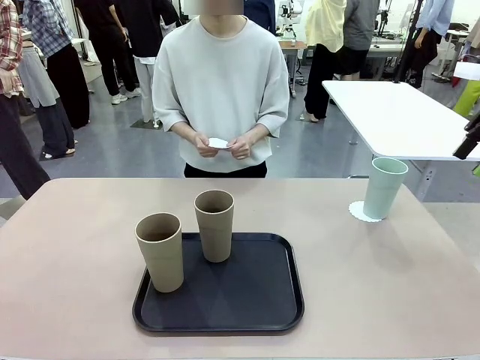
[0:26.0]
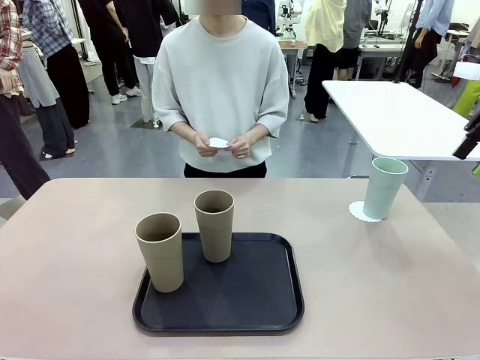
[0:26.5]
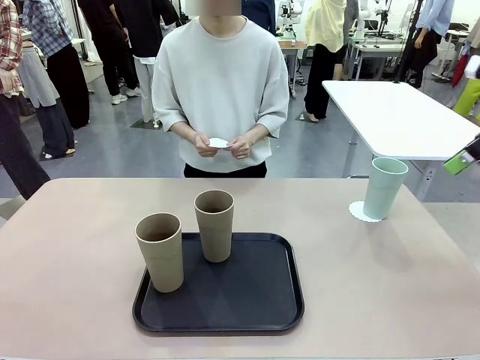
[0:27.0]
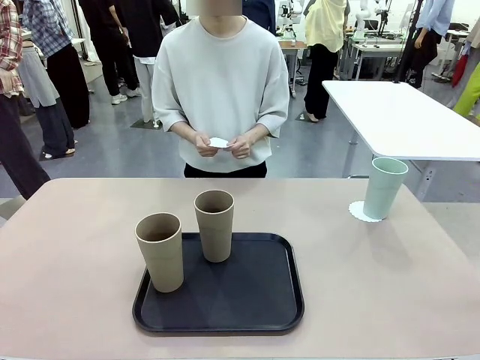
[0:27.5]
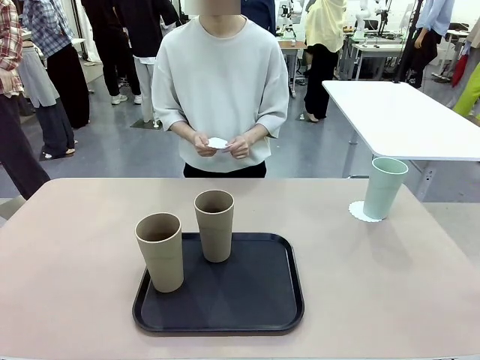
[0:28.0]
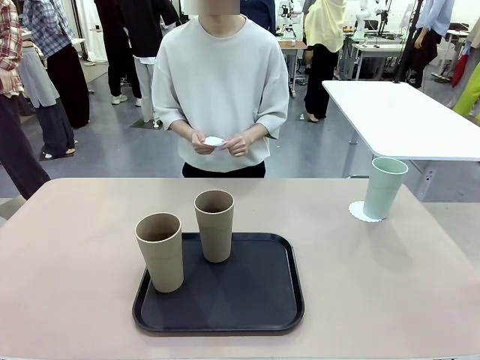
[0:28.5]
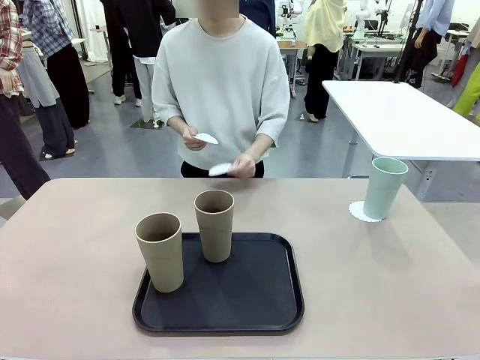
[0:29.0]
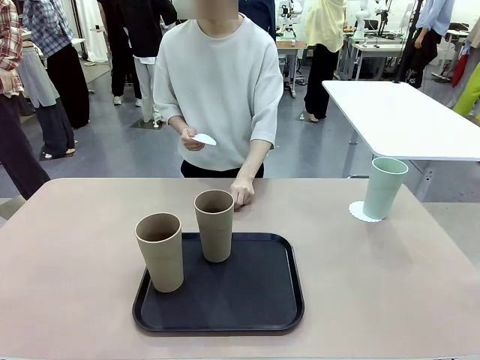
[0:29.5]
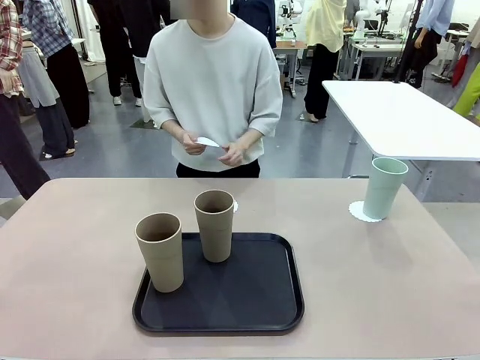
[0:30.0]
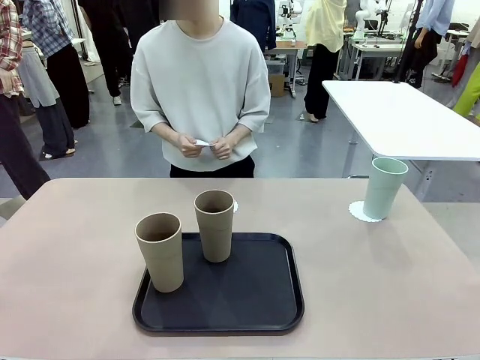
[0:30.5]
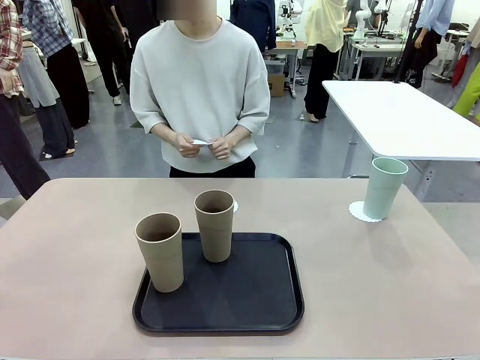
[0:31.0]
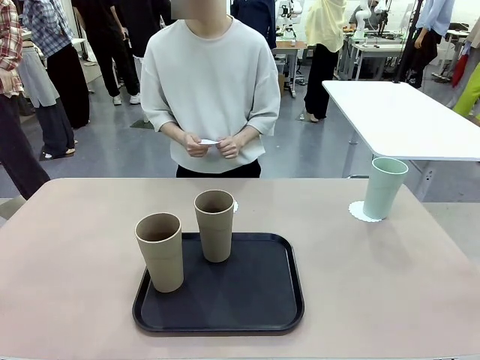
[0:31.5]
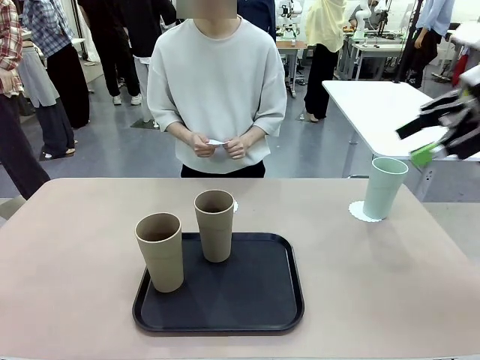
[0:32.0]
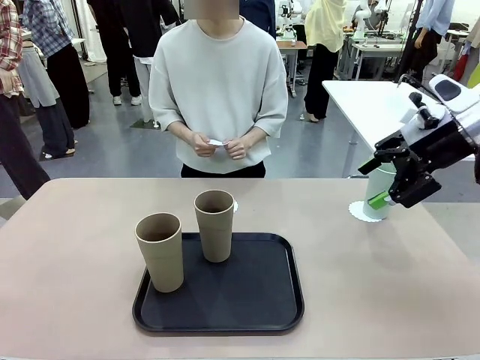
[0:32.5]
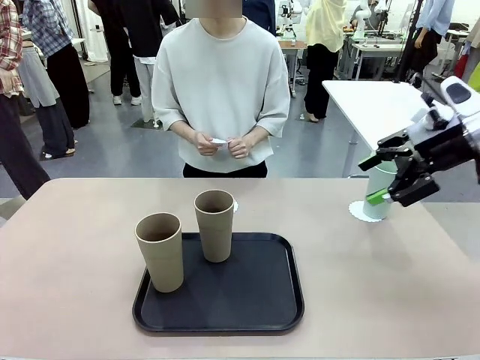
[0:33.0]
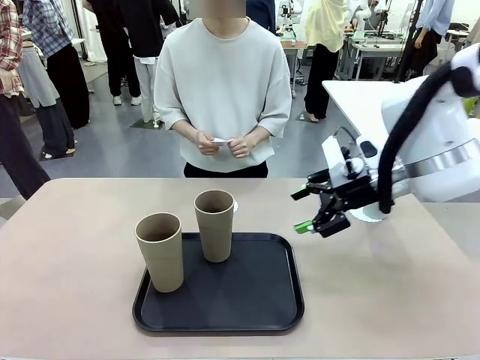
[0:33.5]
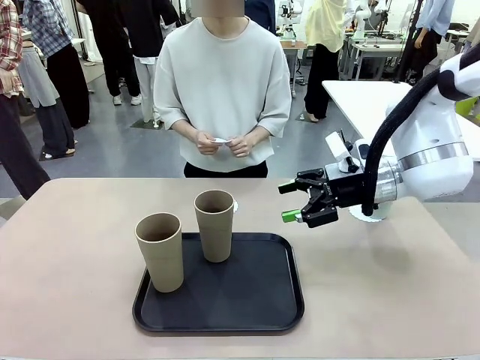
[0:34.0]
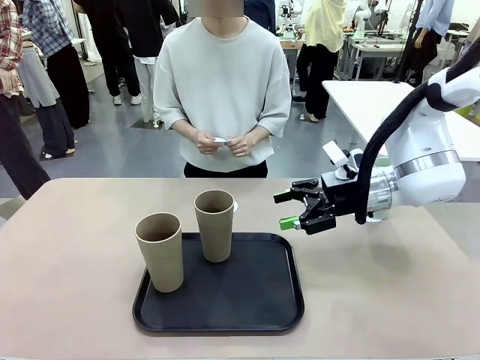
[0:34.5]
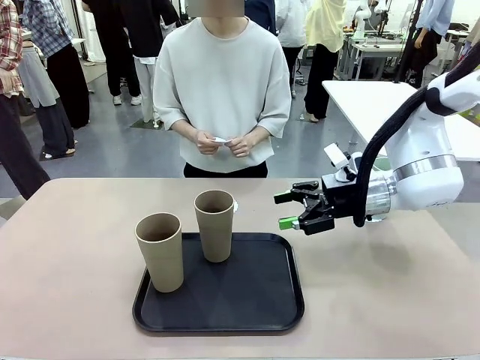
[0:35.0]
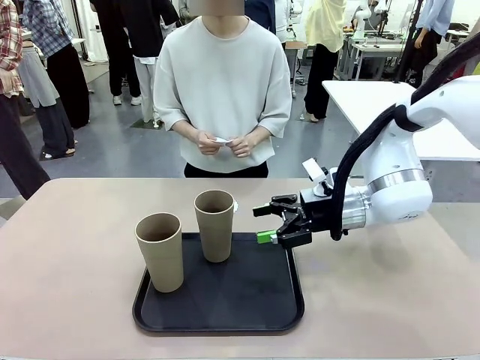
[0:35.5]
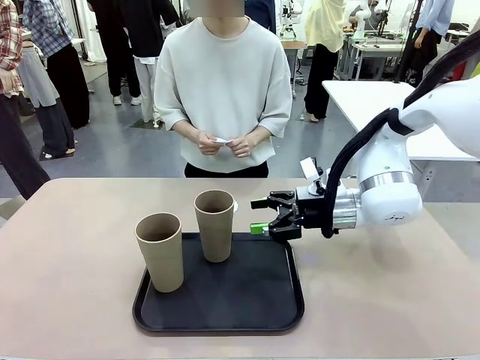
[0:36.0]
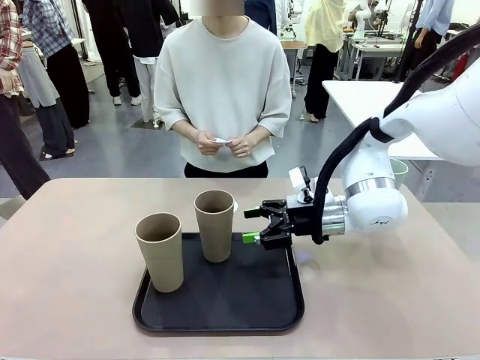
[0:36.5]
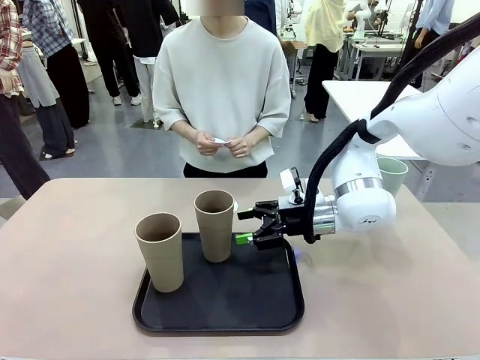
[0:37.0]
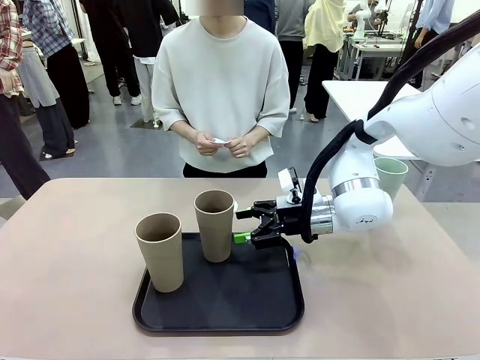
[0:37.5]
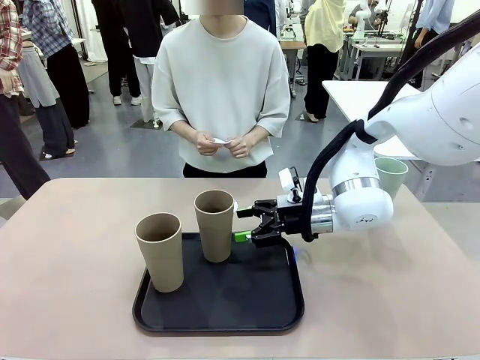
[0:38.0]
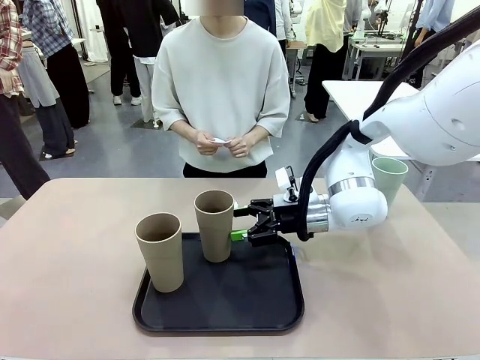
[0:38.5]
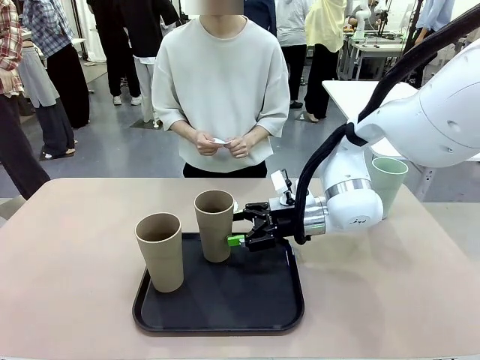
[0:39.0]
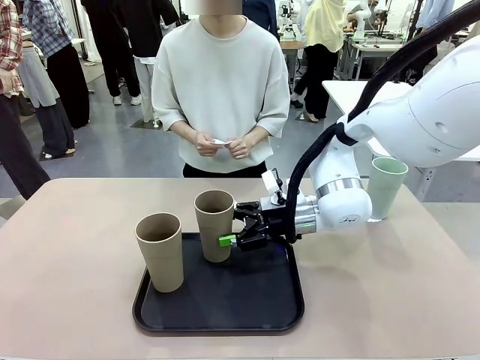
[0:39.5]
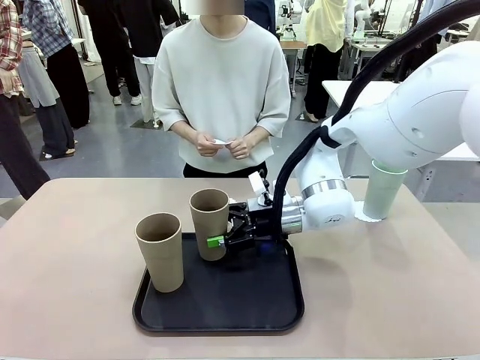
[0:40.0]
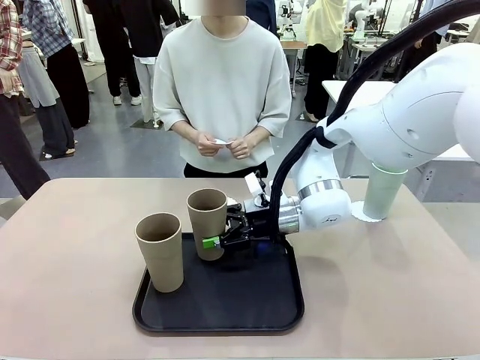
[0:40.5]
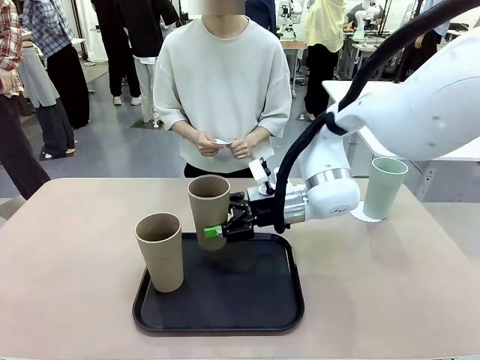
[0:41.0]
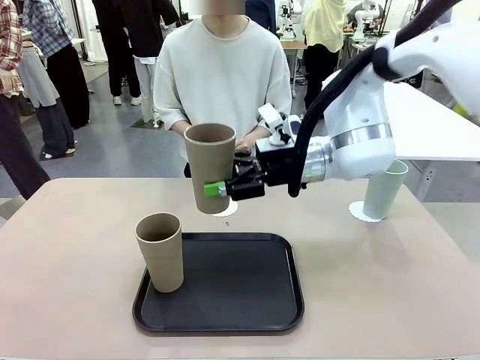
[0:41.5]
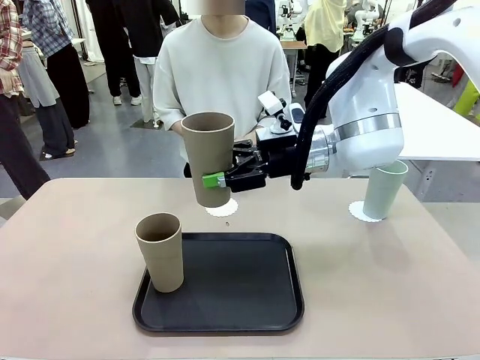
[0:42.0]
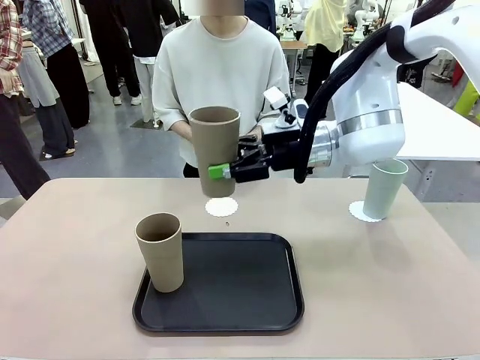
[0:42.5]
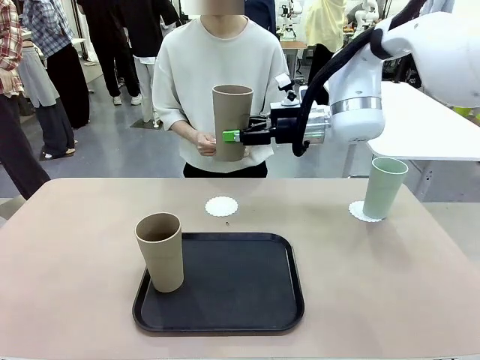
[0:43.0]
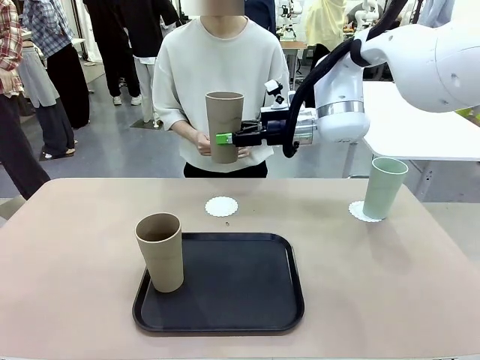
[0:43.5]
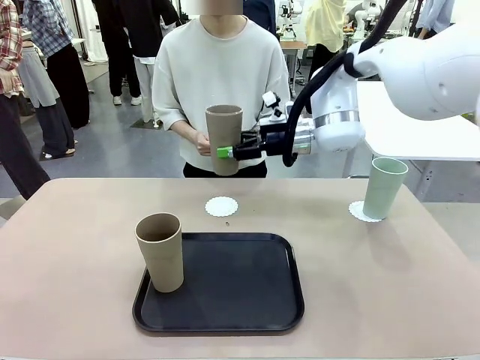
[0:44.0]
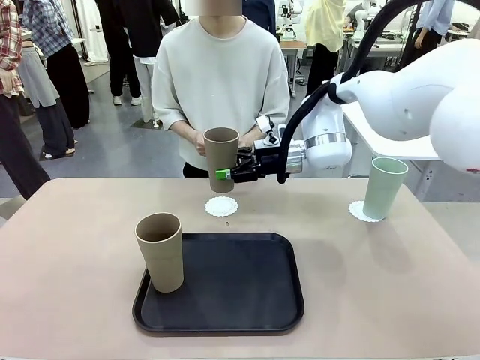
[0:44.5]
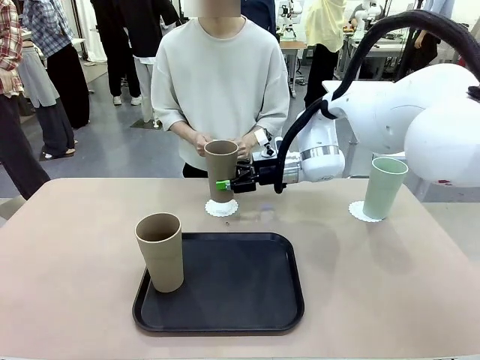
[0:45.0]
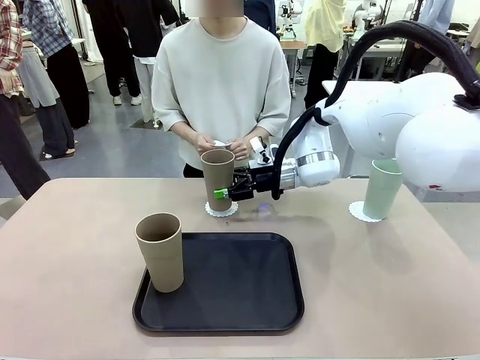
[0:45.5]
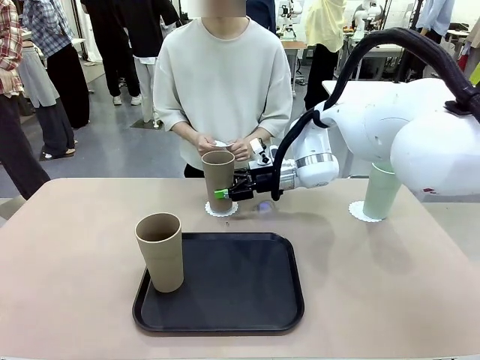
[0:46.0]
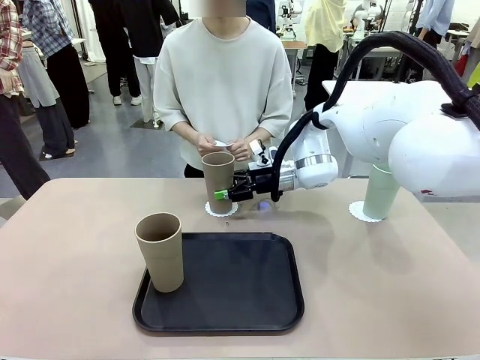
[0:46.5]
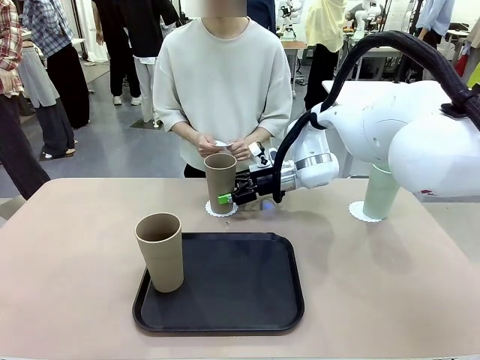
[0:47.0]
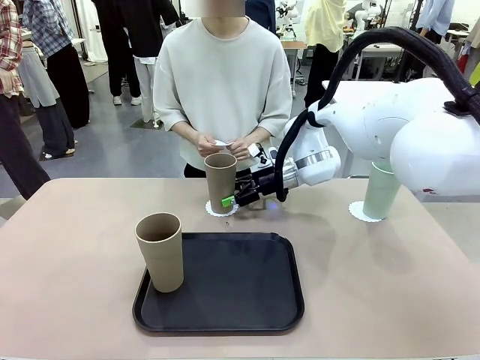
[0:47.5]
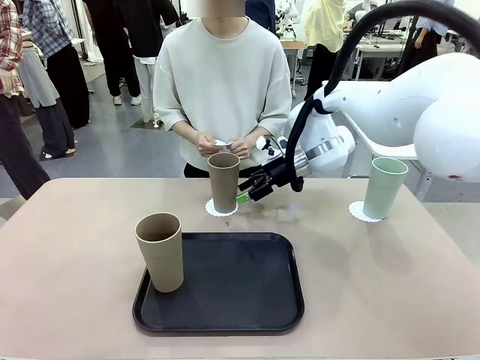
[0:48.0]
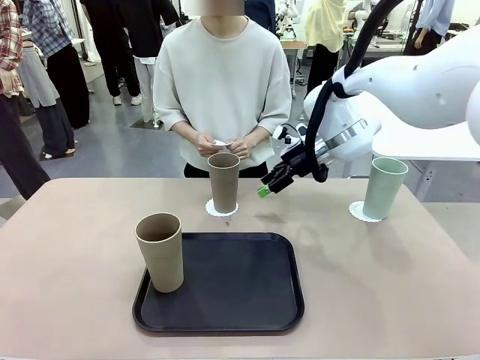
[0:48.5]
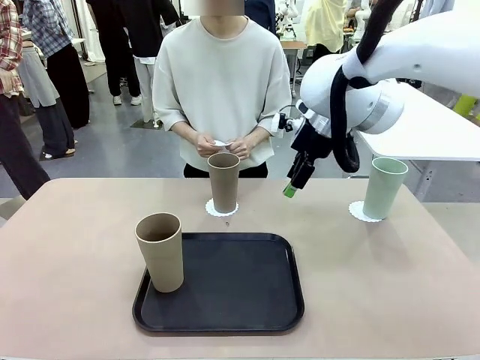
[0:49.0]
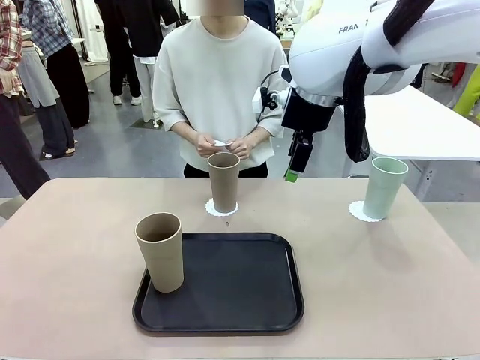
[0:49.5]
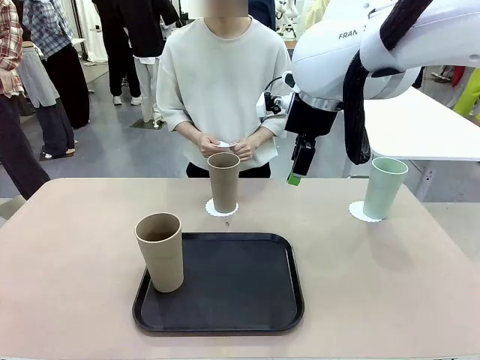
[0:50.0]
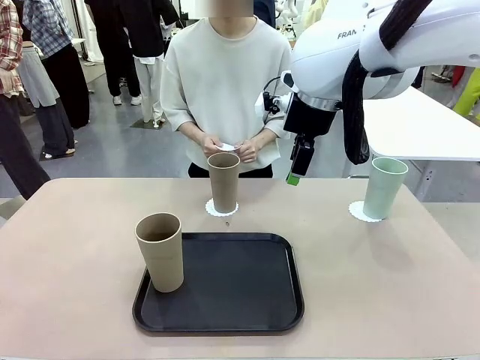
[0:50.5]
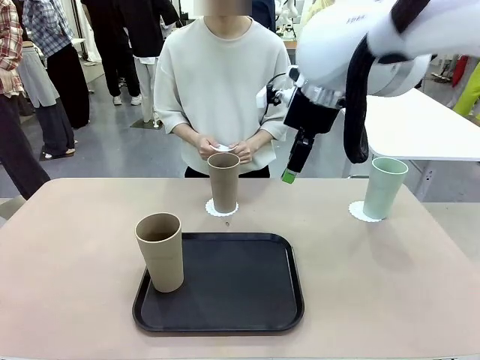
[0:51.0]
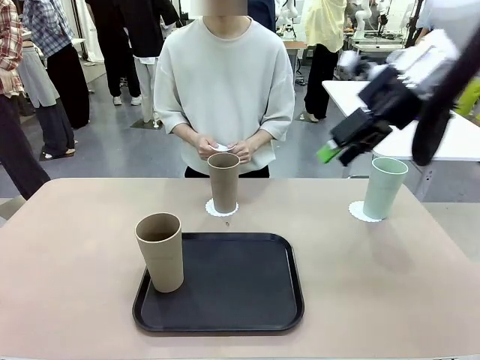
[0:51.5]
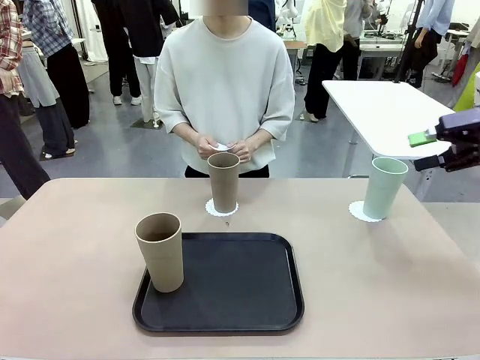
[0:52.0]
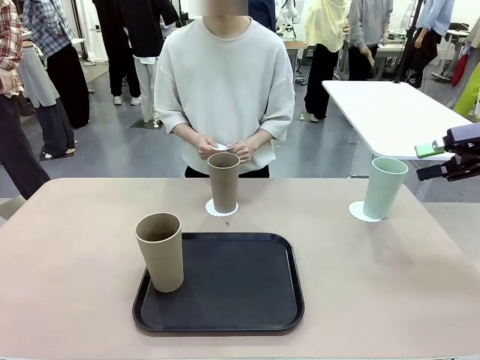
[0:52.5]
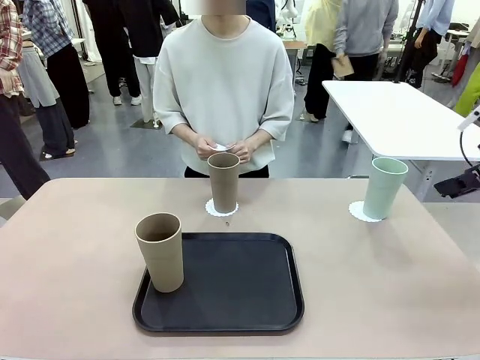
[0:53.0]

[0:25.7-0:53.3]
Task: Place coasters on the table and set cups on them.
Robot: Take one Reusable plastic cup from the Flat Tray and place it on a coaster set by the human.
